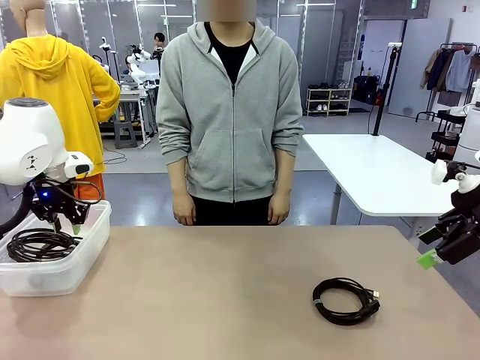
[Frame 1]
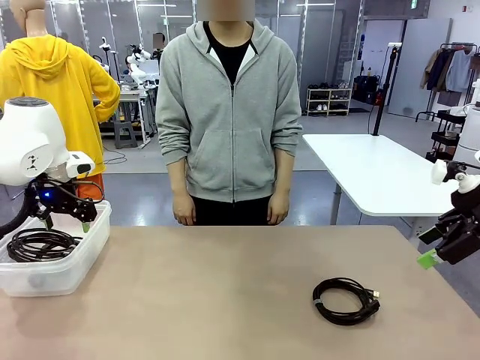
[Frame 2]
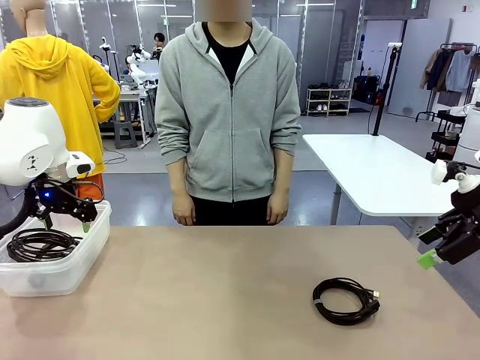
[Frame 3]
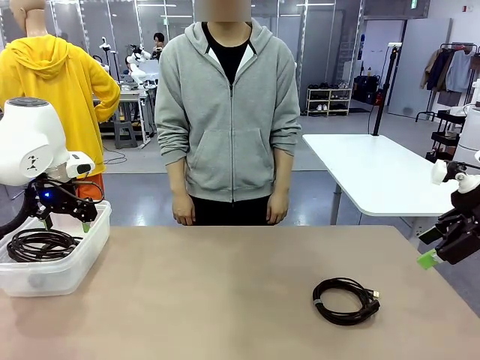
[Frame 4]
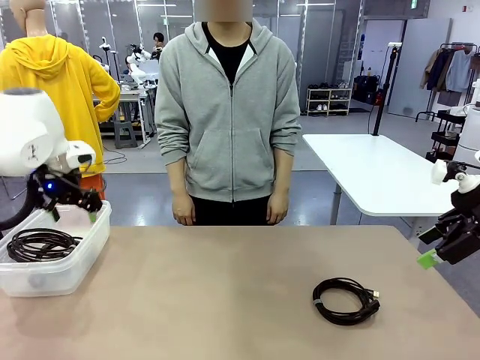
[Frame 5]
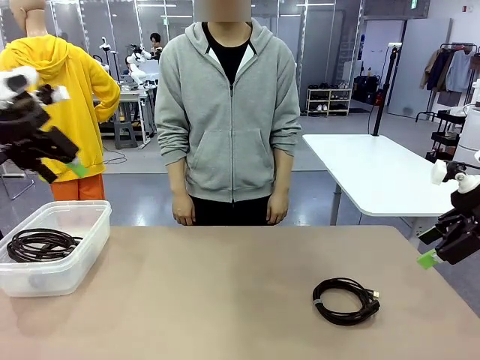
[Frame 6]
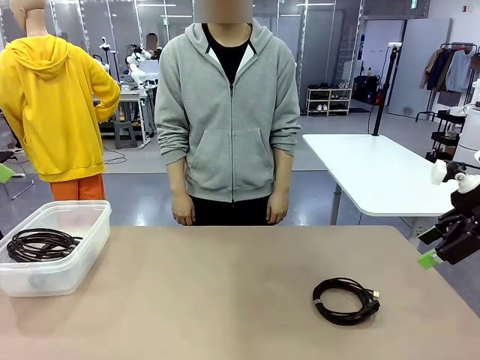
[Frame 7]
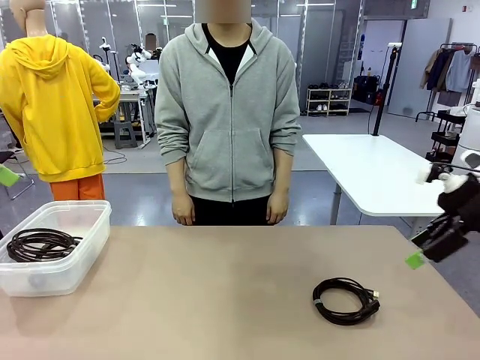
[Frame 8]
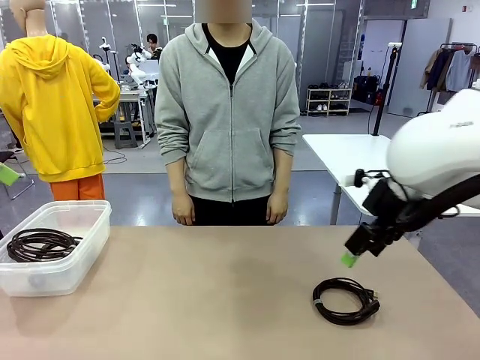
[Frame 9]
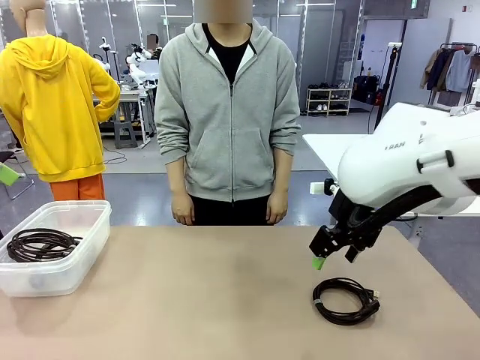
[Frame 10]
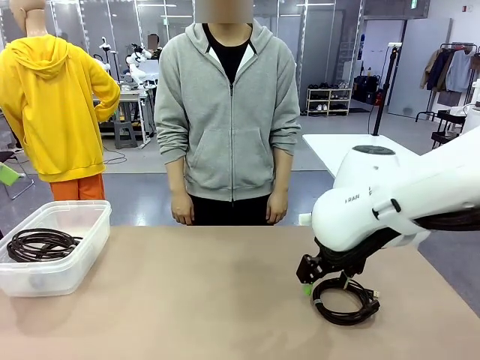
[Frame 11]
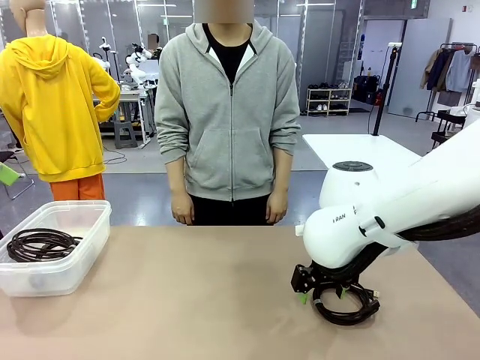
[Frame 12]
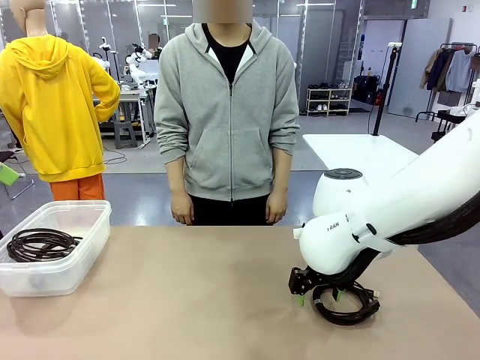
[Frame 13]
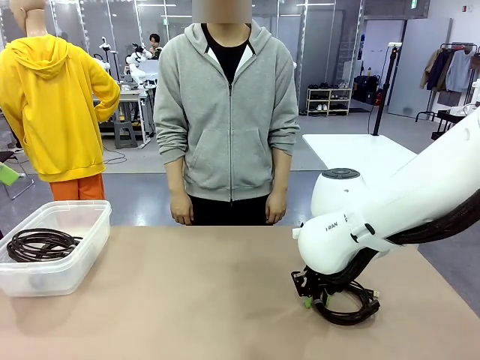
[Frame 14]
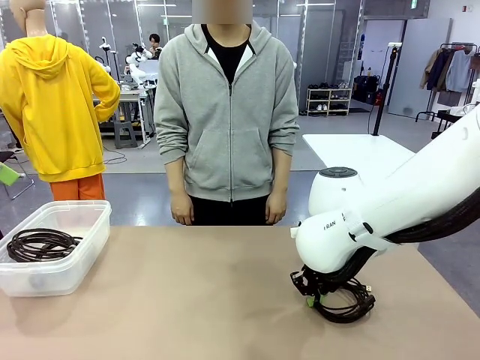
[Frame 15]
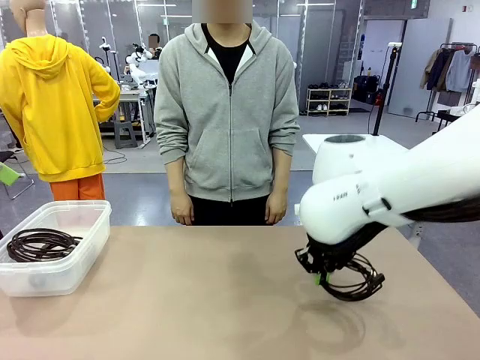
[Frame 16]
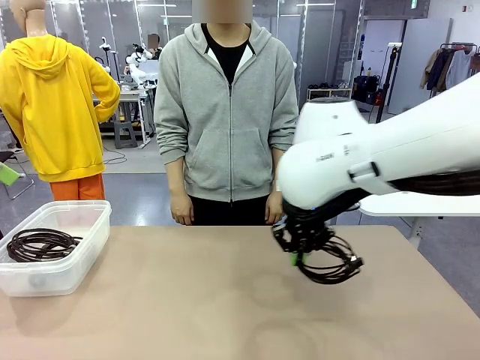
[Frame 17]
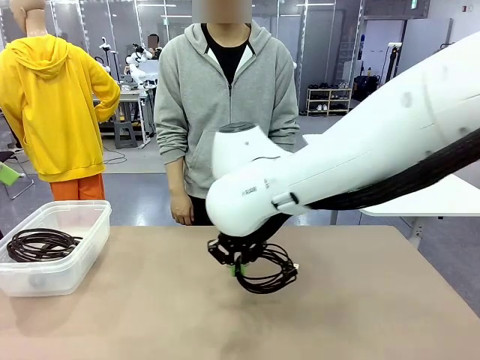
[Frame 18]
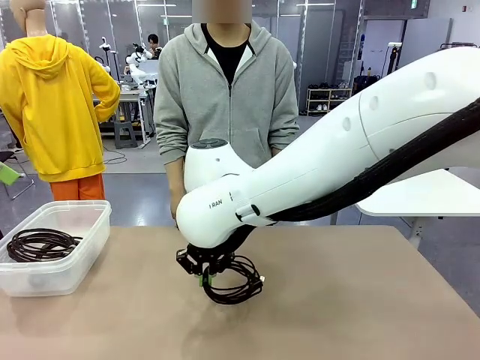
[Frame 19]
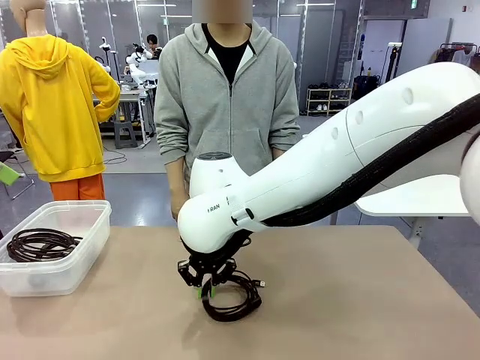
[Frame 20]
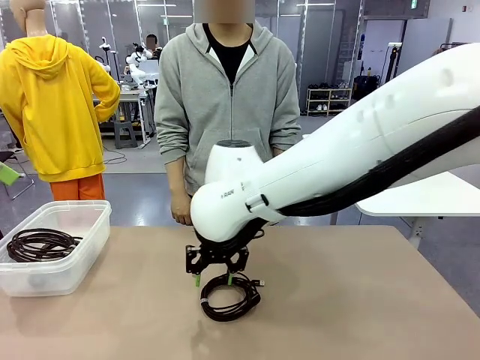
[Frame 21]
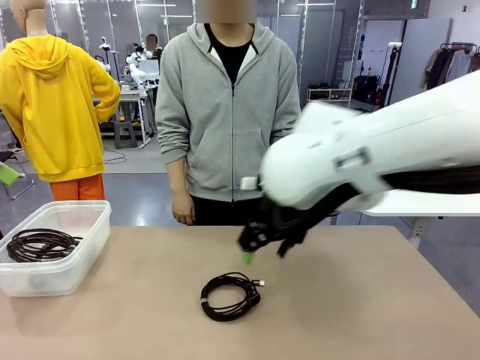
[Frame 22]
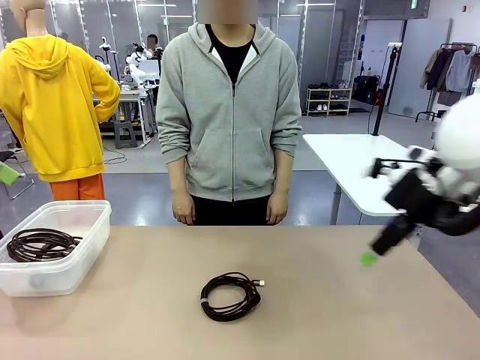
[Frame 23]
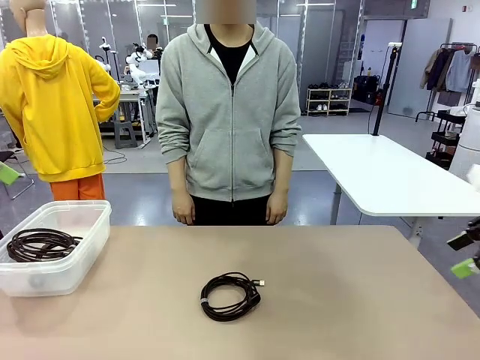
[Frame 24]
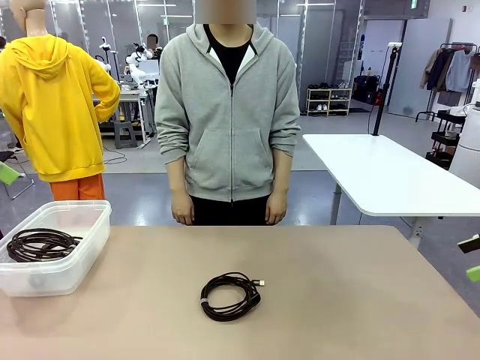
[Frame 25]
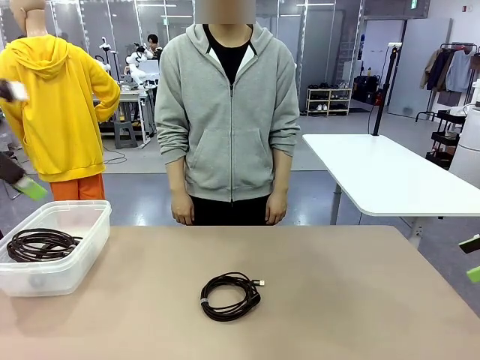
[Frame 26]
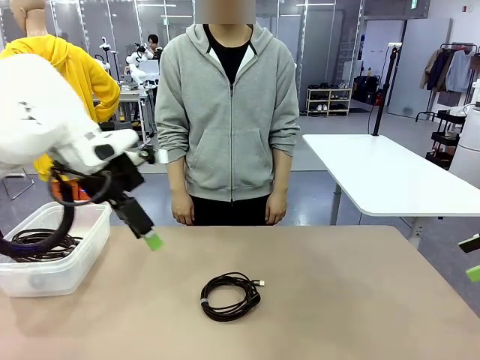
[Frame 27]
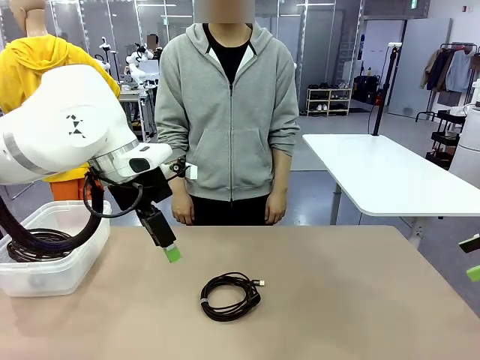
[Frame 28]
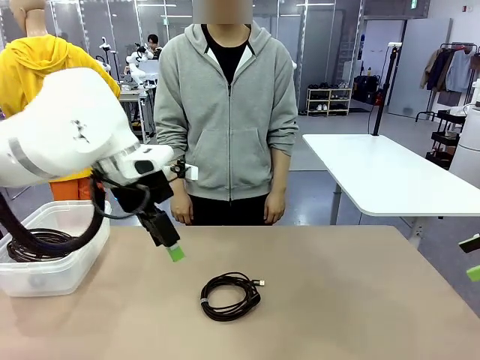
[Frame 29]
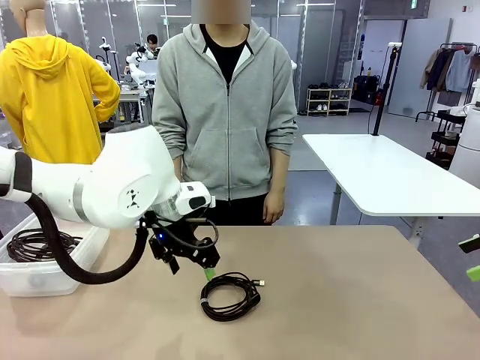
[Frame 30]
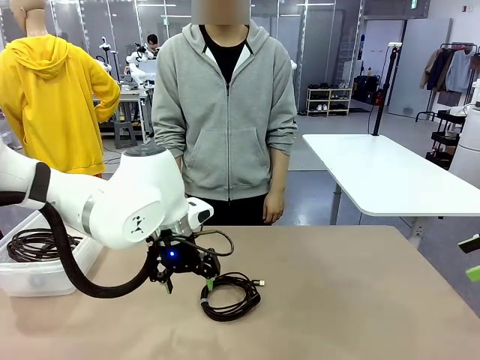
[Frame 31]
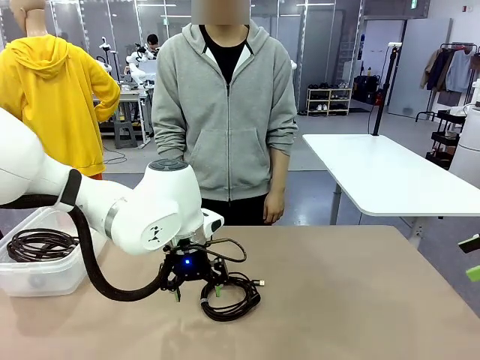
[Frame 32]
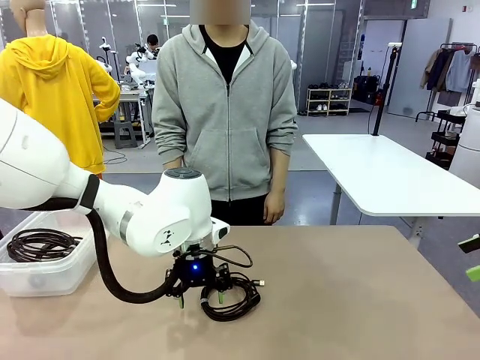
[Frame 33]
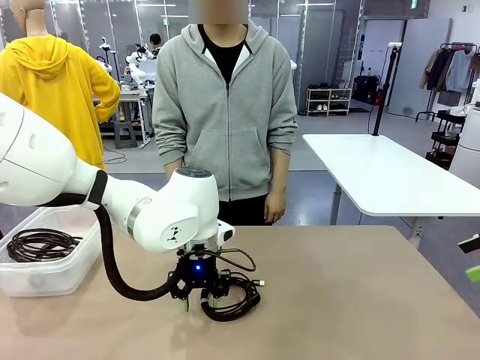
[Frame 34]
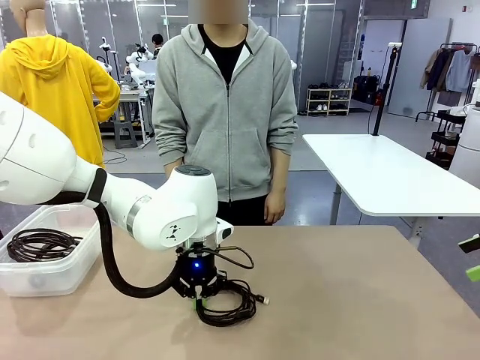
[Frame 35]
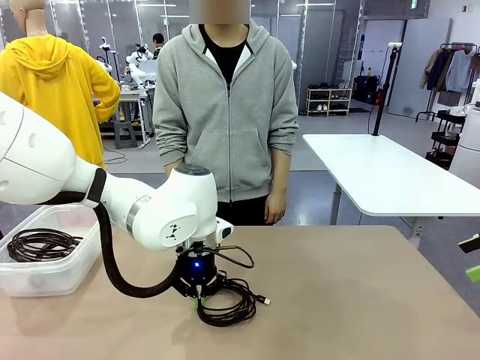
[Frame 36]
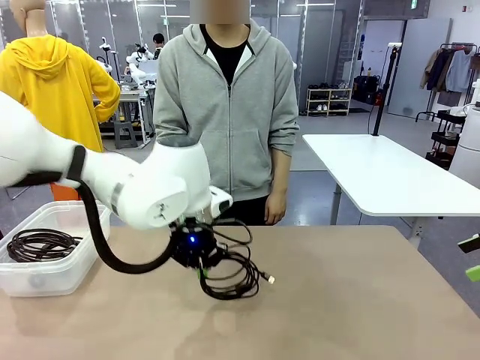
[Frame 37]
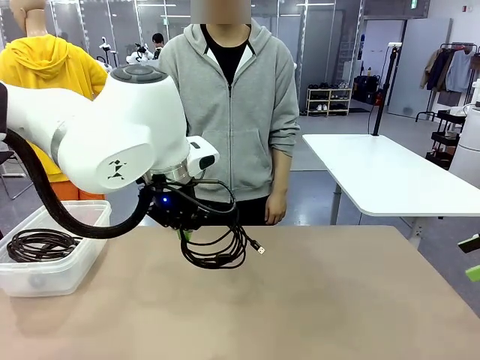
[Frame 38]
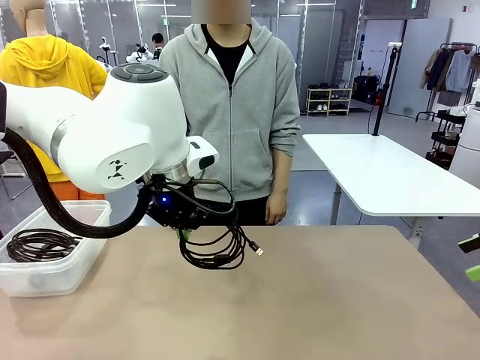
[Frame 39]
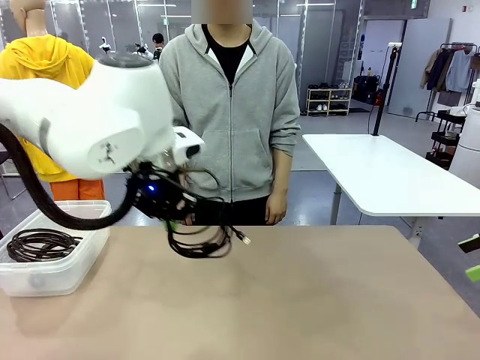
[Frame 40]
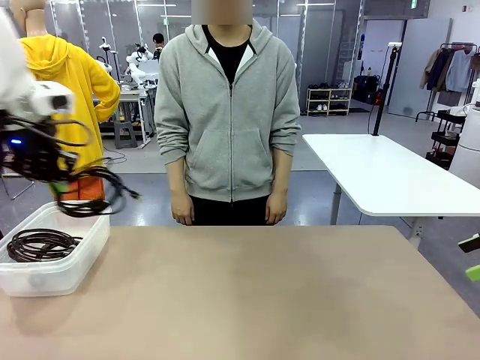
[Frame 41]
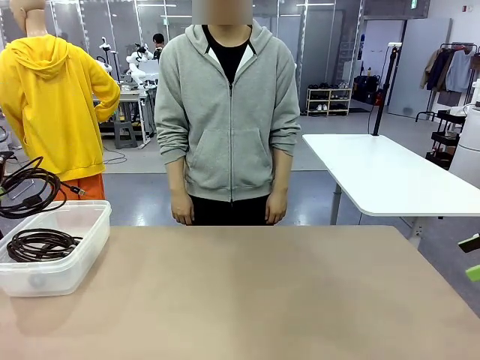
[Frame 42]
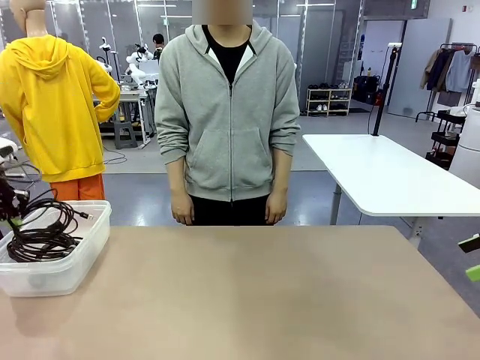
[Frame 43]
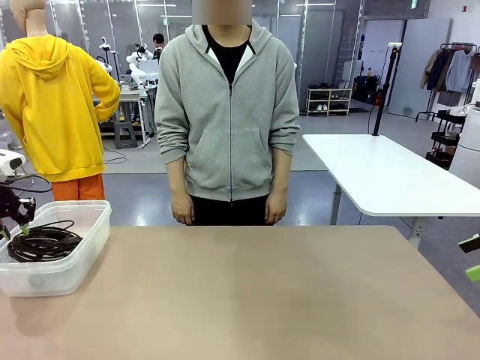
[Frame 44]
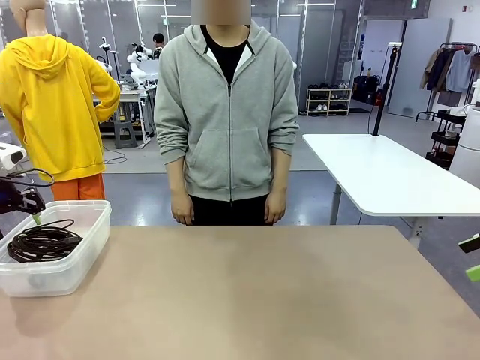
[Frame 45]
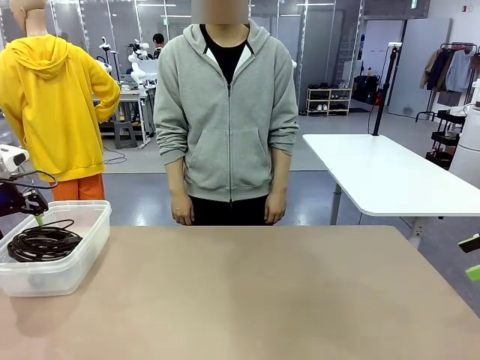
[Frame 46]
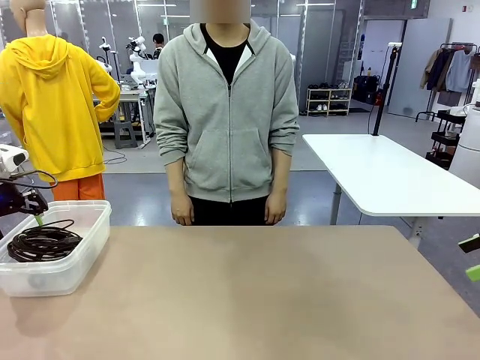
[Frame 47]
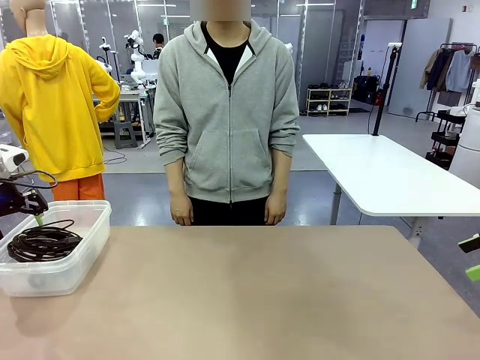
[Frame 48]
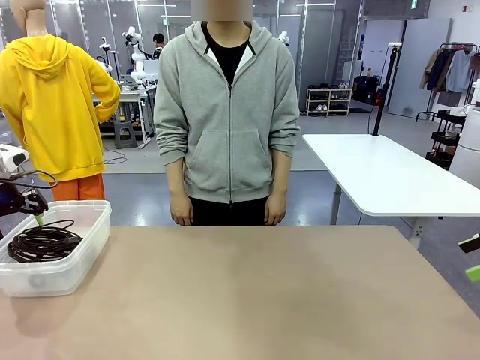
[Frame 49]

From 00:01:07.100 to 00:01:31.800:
Task: Organize and store the cables.
Robot: Place the USB Extension Cable into the Organizing box.
